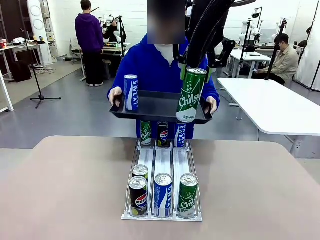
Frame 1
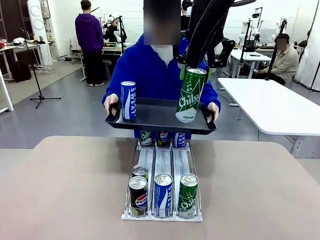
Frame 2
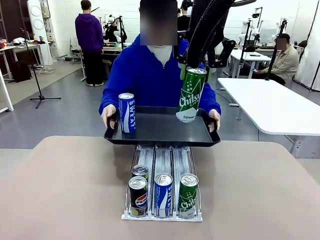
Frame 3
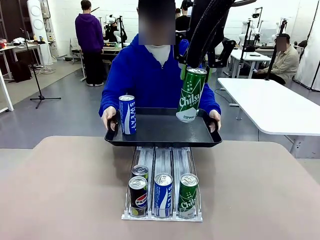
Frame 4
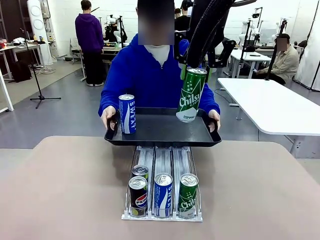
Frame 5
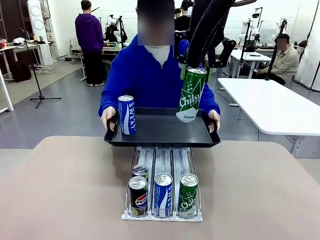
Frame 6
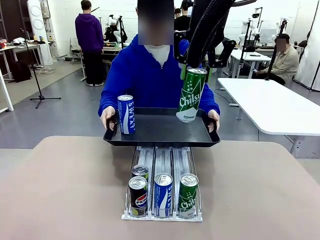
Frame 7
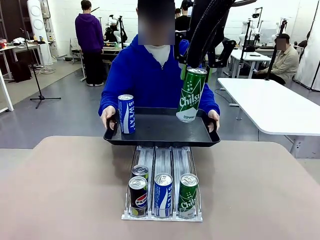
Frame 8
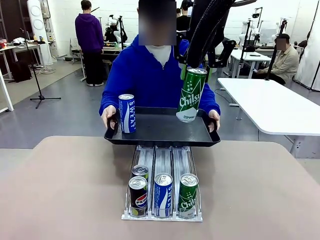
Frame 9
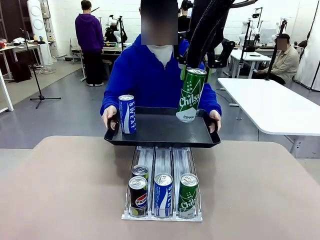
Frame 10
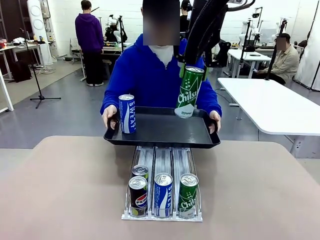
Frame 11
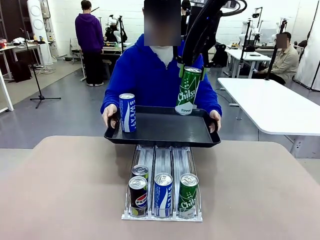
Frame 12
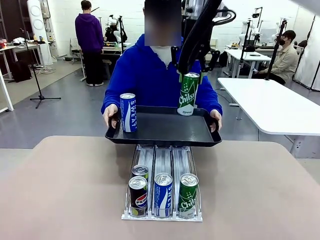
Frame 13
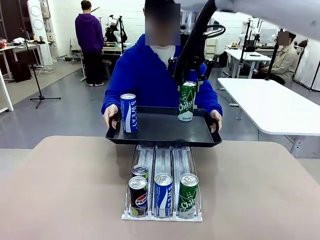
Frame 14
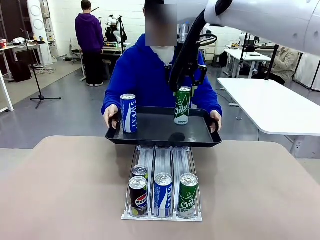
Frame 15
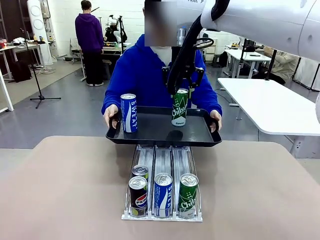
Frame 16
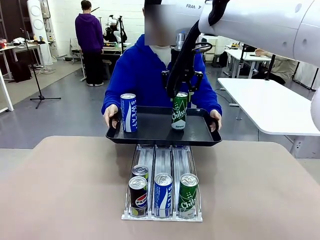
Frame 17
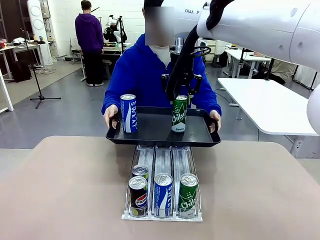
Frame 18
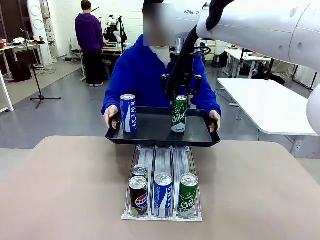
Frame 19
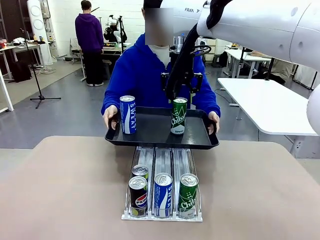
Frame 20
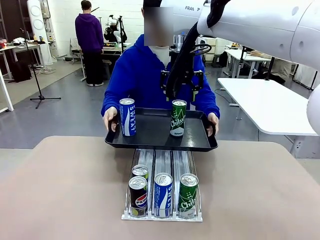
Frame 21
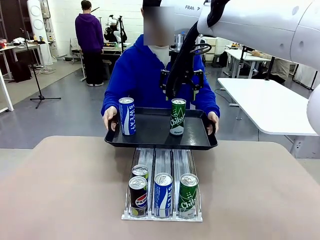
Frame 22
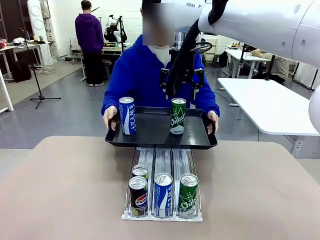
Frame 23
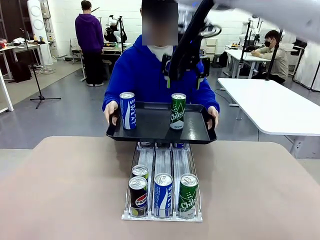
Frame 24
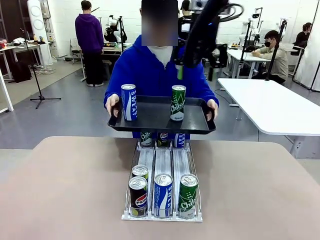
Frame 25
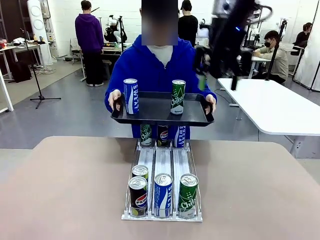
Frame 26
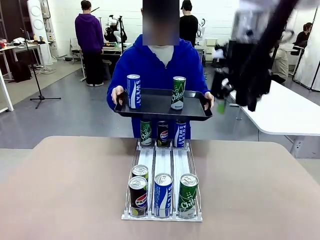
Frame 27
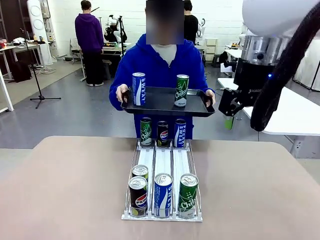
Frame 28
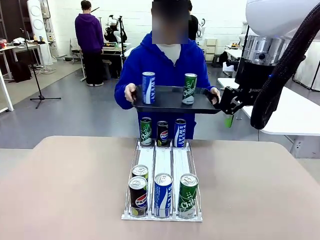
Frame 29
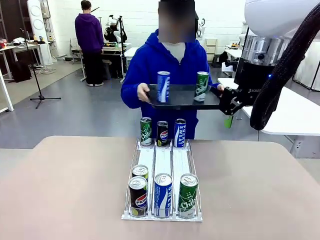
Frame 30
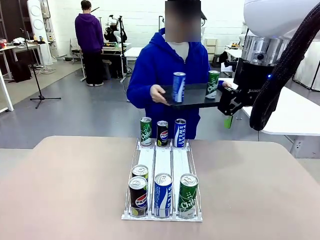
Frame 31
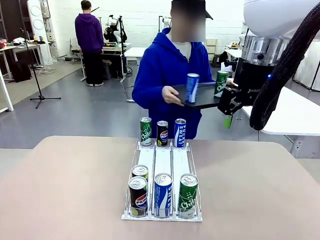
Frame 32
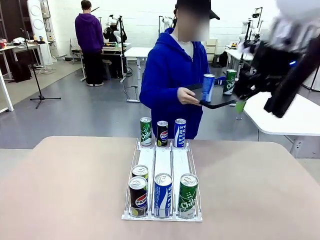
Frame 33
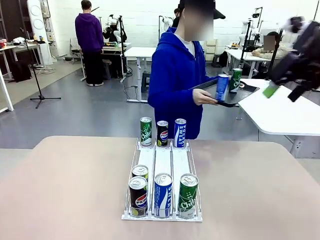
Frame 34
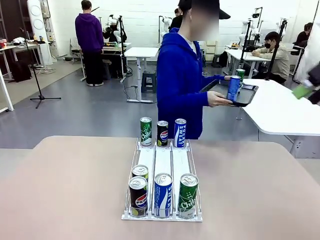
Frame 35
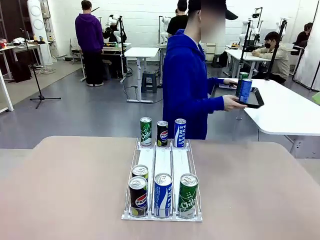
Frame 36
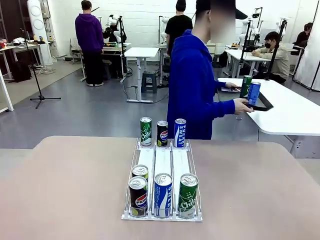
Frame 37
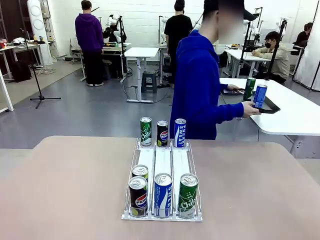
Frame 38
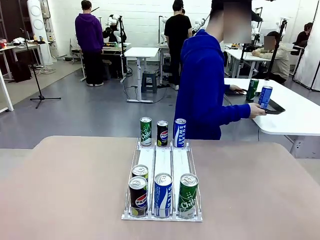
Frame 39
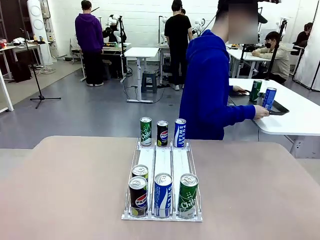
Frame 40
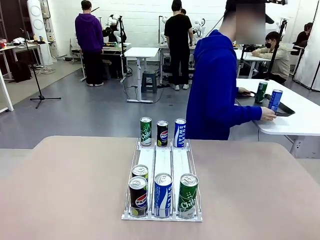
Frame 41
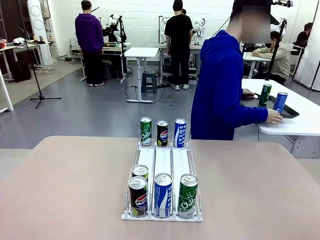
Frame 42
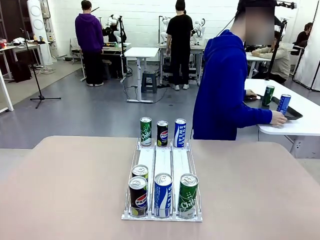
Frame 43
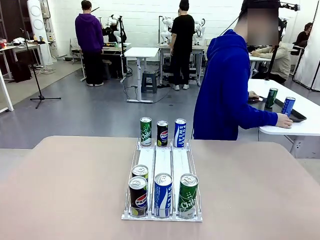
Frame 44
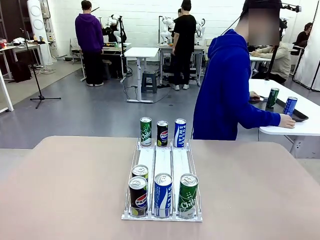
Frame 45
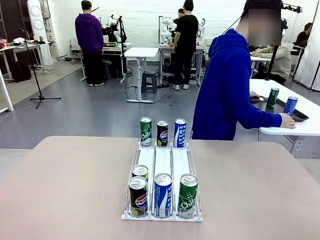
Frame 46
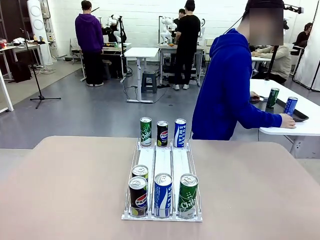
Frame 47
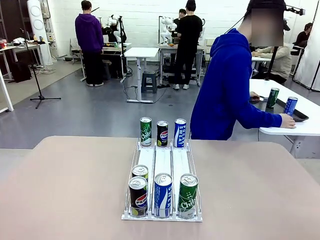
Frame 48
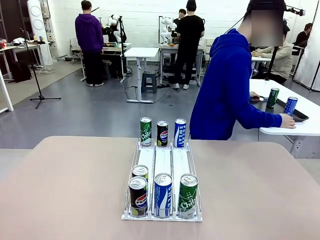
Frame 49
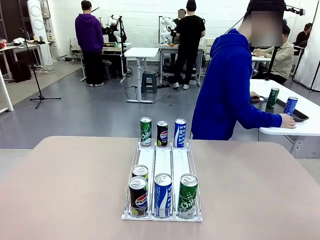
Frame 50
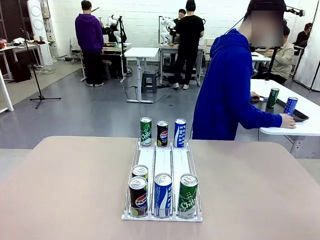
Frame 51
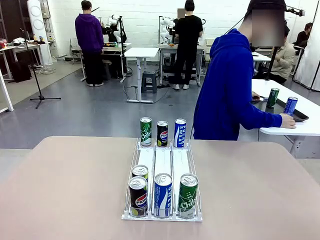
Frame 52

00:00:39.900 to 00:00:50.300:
Task: Retrieve and hand over the desired beverage to the person.
Robot: Place the picked can on the Handle tray extended by the person.
Person: Pull the tray back and place it at the center of the human table.

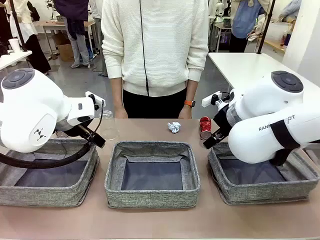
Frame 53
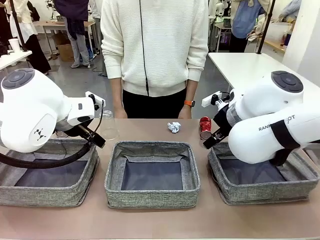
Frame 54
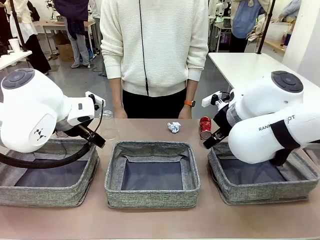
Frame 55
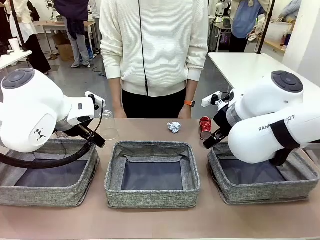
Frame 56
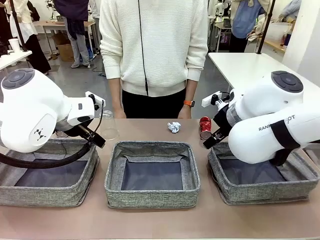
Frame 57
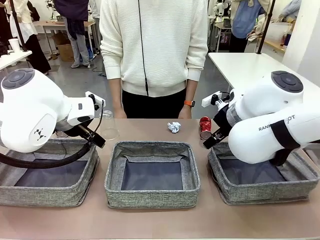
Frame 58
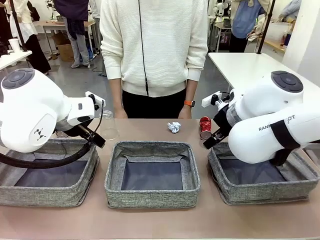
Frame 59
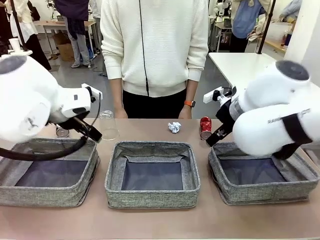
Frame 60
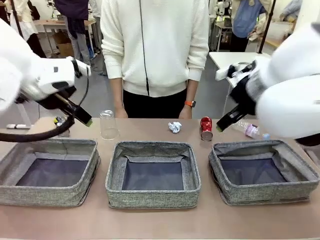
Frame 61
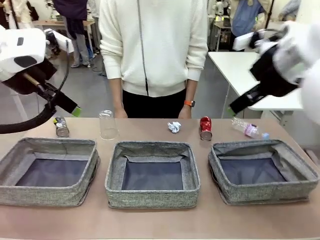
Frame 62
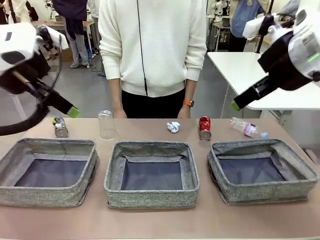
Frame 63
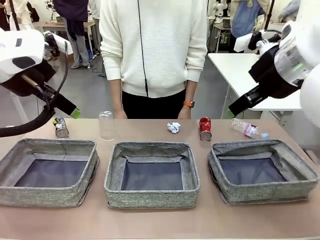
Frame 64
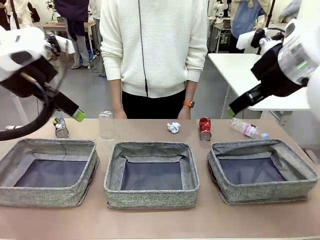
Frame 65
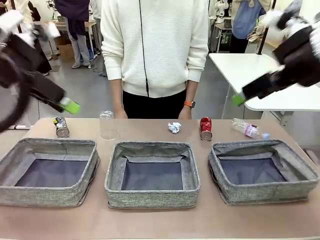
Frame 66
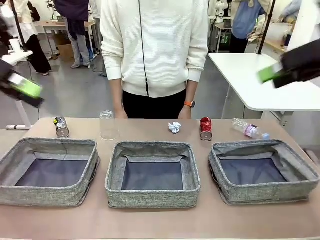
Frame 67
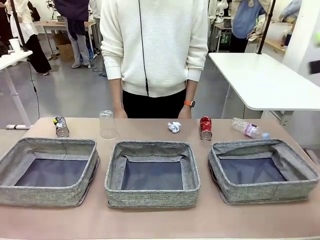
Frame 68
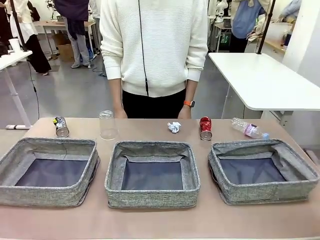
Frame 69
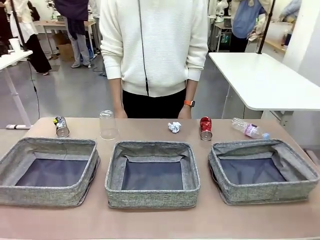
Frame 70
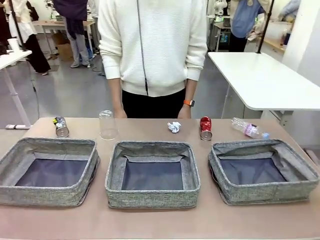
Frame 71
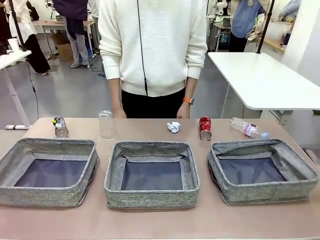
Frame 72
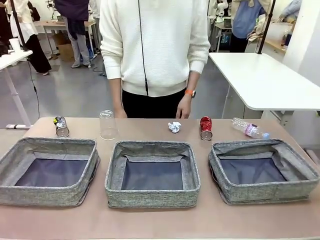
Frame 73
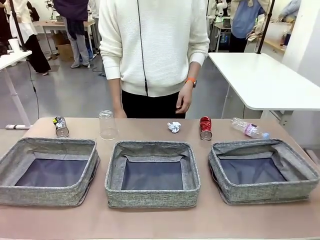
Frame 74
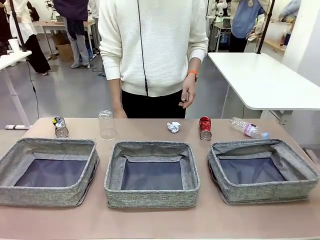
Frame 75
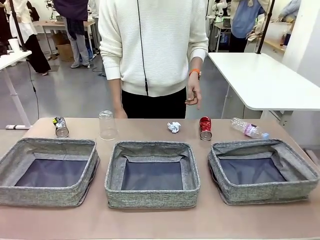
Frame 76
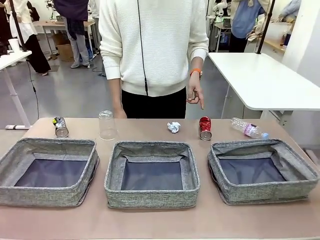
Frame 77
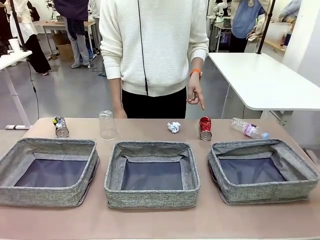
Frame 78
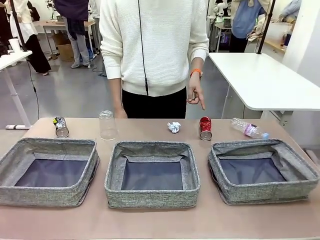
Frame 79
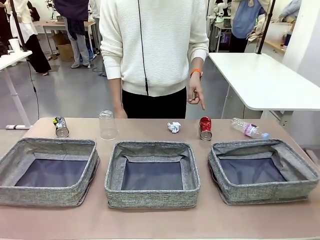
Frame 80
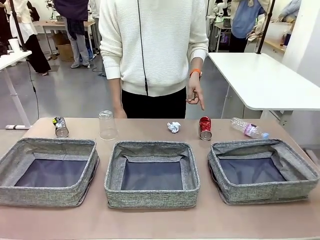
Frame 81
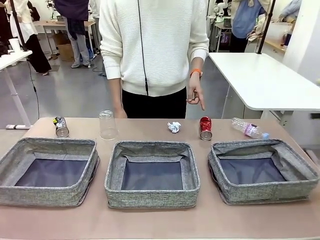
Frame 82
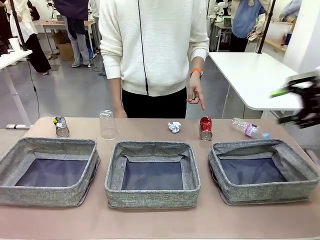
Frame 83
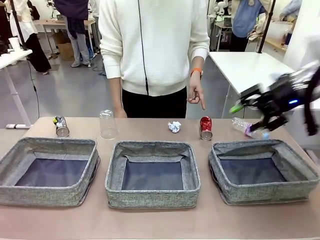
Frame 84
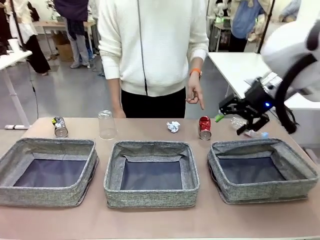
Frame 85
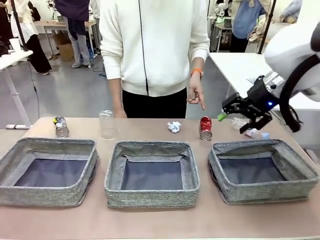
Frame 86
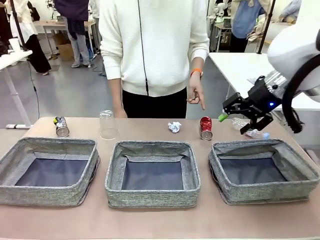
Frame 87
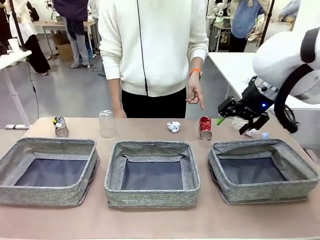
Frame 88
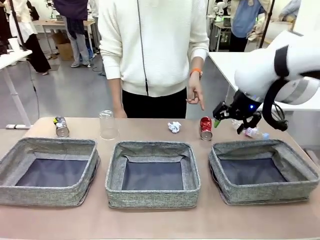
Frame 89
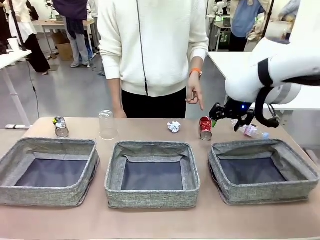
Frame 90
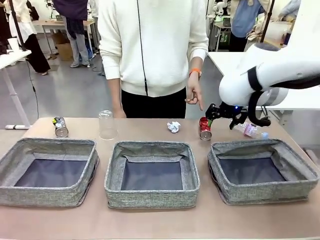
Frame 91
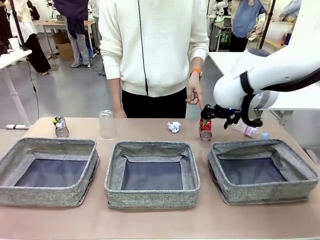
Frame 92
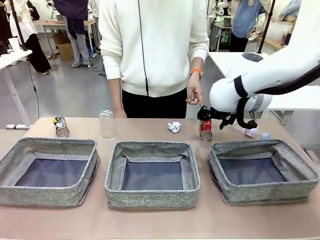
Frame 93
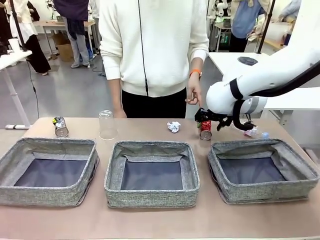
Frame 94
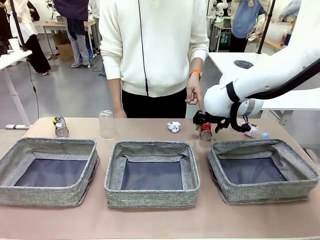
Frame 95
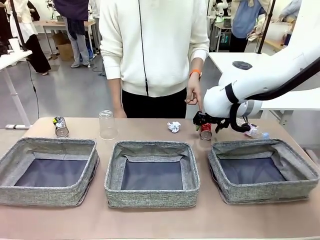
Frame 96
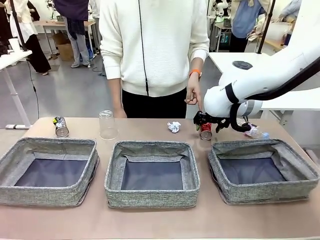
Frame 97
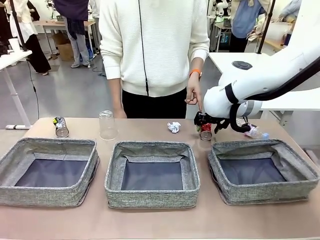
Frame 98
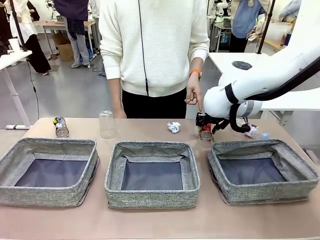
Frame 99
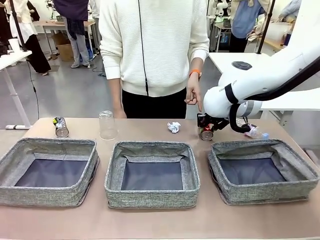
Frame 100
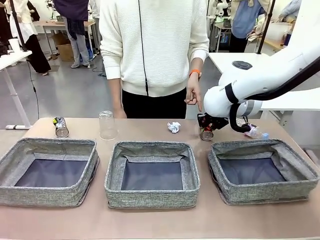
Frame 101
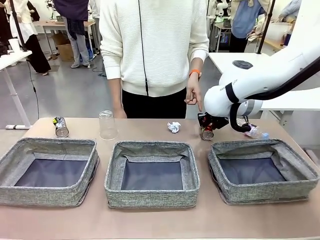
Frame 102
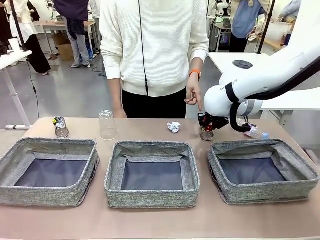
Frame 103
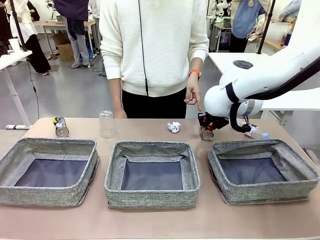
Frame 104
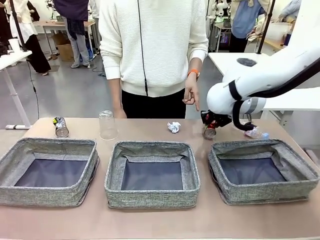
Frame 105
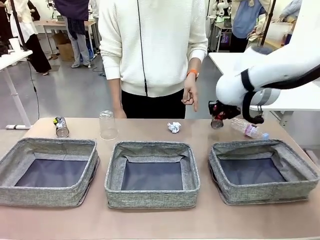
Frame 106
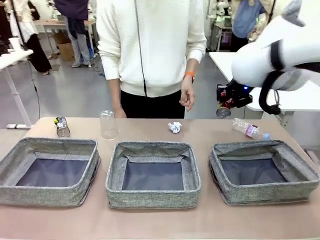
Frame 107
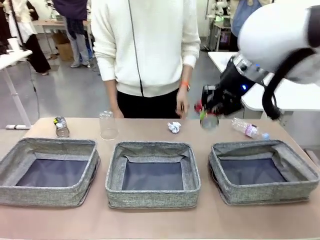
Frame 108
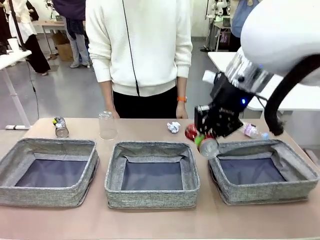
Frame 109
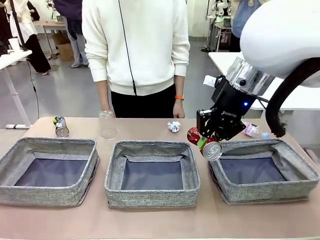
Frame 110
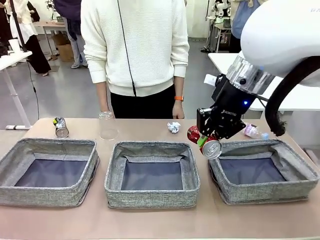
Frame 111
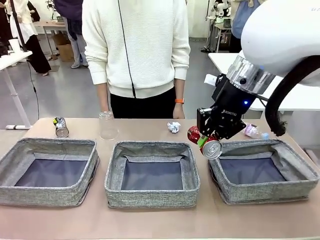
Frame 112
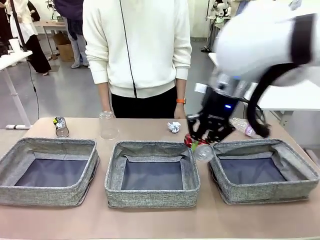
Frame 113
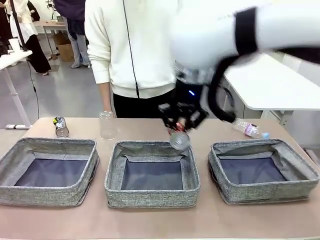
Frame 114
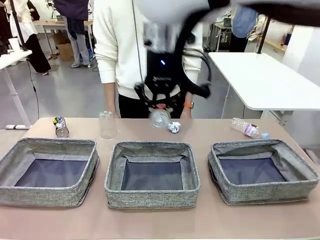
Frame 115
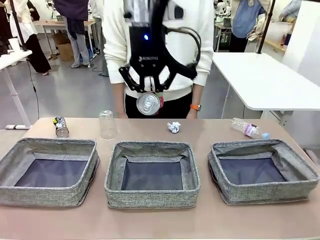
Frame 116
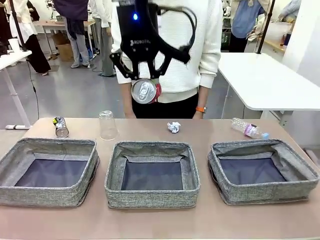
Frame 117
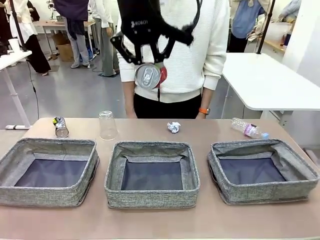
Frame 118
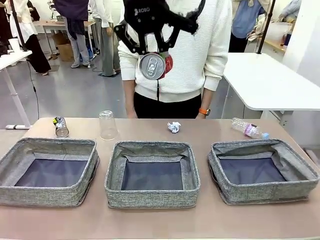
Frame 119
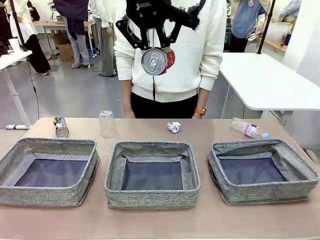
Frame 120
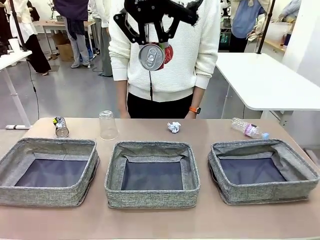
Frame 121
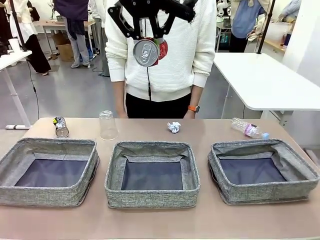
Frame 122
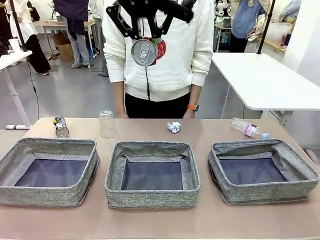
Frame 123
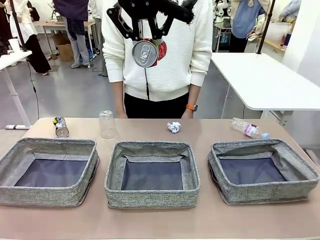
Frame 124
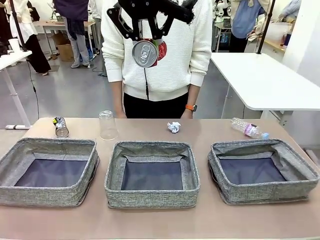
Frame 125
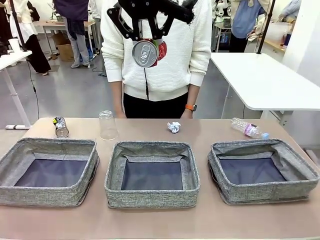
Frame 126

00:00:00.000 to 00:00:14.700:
Task: Sort the waste into the appropriate baskets.
Robot: Pick up the waste item pointed out by the person.
Person: Points to one piece of trash on the table.
